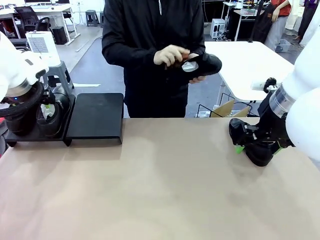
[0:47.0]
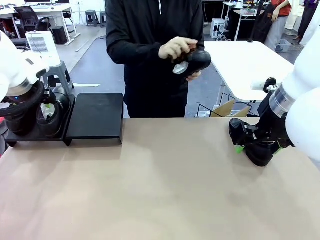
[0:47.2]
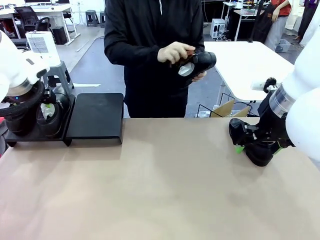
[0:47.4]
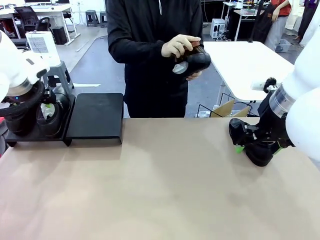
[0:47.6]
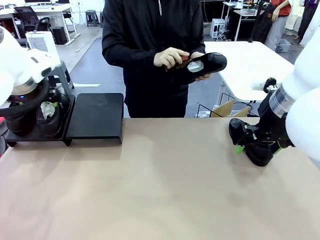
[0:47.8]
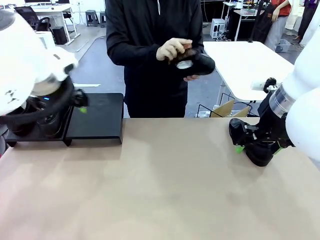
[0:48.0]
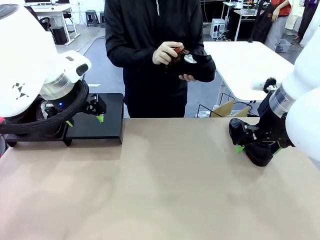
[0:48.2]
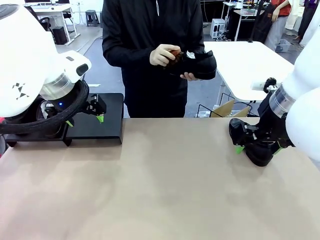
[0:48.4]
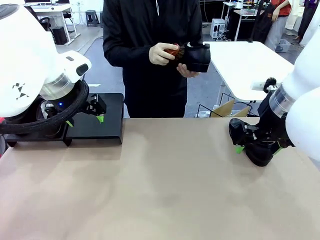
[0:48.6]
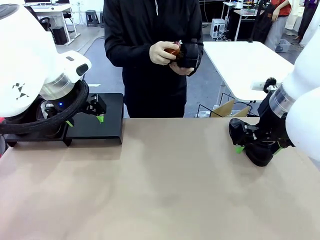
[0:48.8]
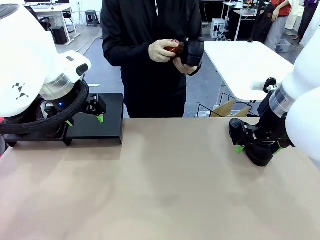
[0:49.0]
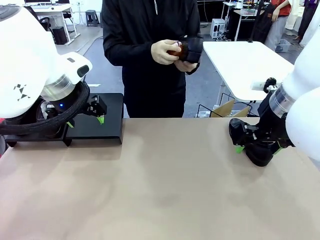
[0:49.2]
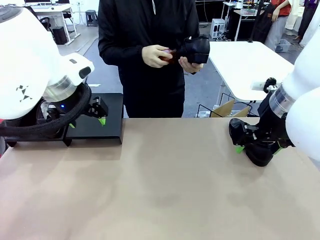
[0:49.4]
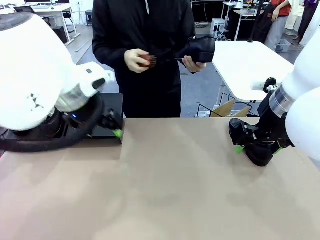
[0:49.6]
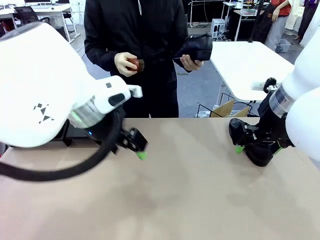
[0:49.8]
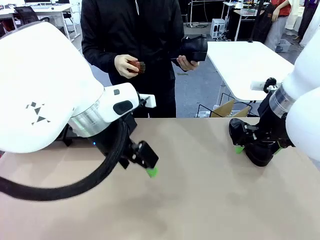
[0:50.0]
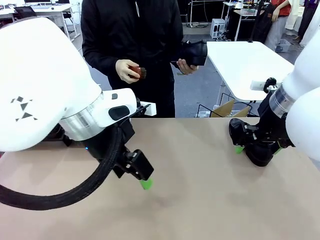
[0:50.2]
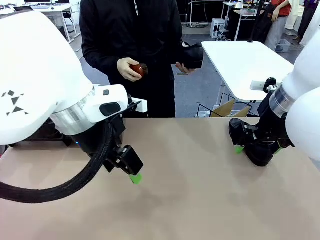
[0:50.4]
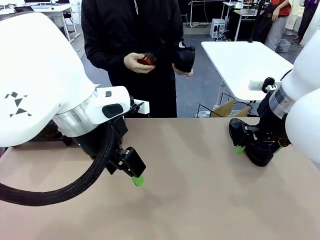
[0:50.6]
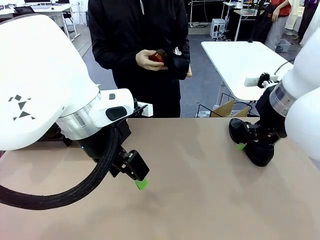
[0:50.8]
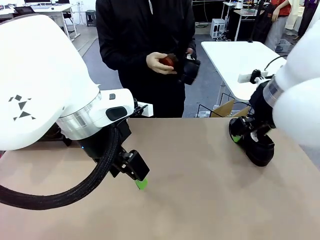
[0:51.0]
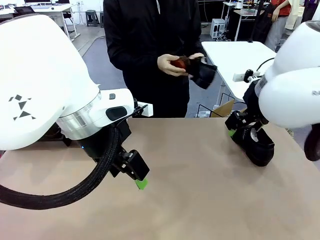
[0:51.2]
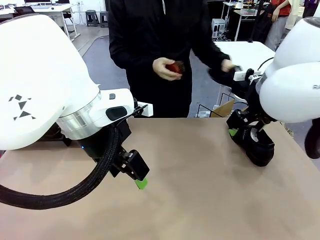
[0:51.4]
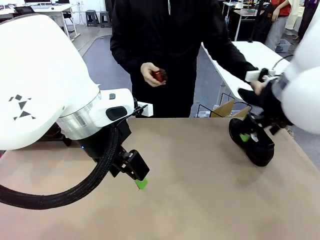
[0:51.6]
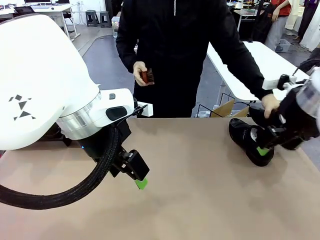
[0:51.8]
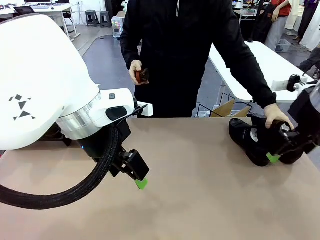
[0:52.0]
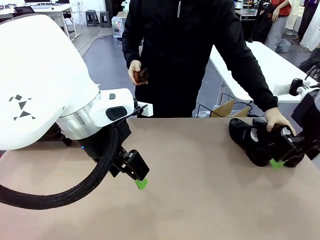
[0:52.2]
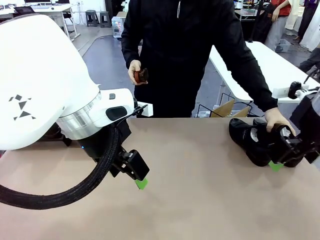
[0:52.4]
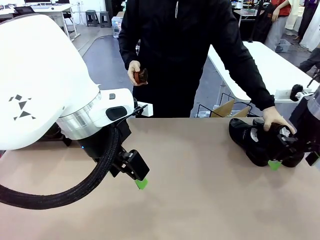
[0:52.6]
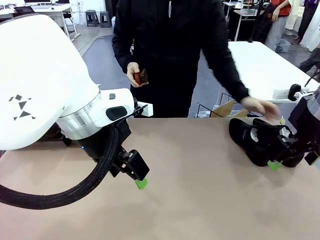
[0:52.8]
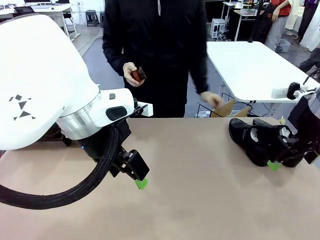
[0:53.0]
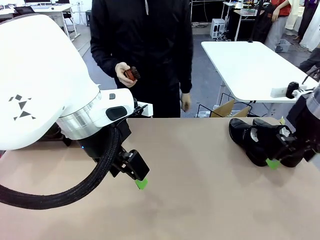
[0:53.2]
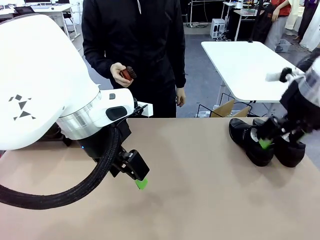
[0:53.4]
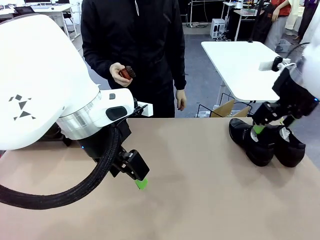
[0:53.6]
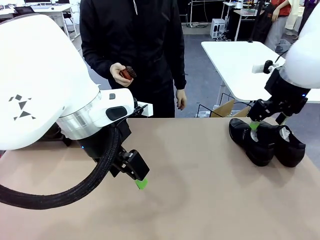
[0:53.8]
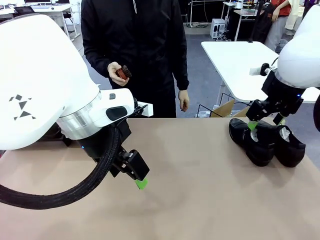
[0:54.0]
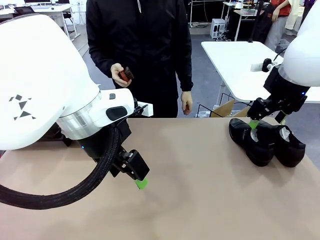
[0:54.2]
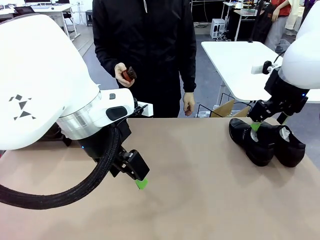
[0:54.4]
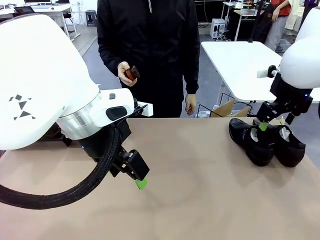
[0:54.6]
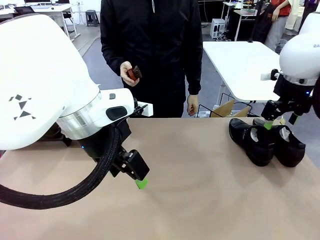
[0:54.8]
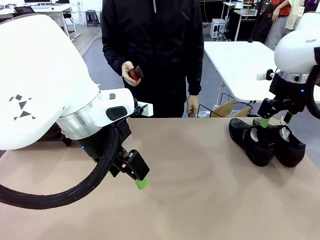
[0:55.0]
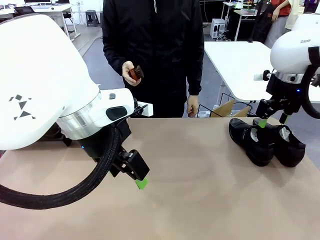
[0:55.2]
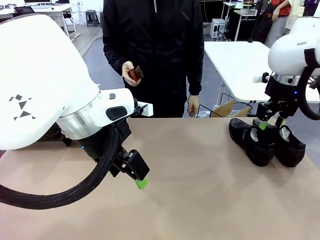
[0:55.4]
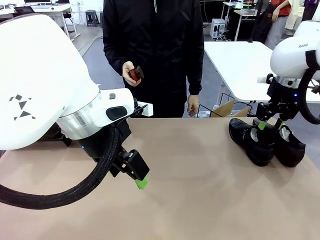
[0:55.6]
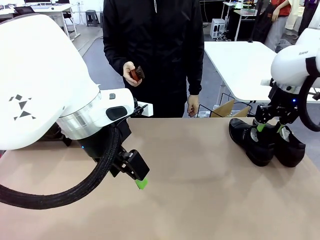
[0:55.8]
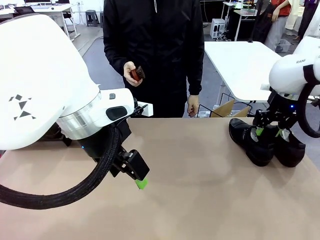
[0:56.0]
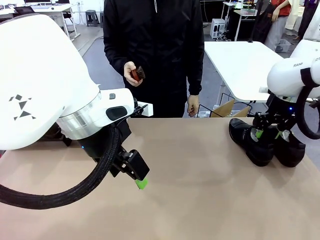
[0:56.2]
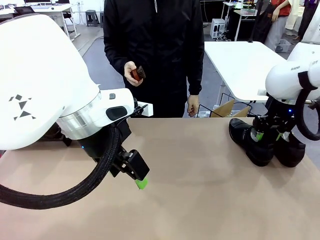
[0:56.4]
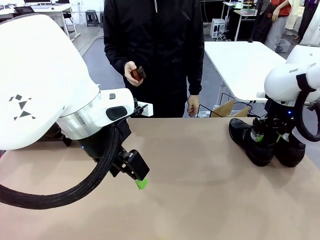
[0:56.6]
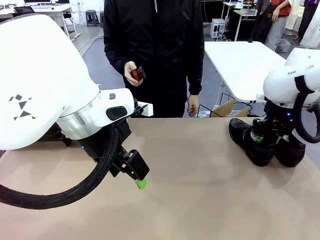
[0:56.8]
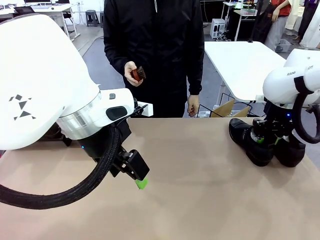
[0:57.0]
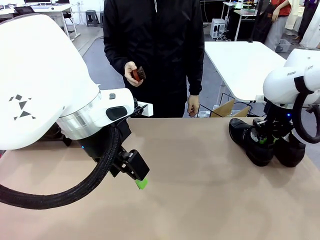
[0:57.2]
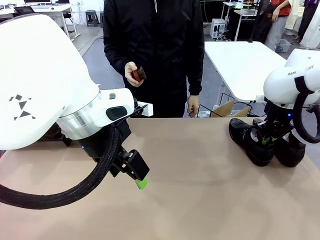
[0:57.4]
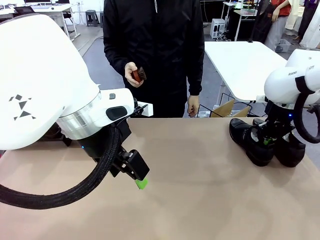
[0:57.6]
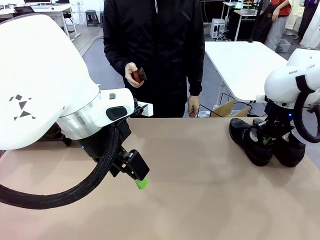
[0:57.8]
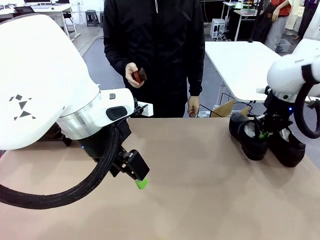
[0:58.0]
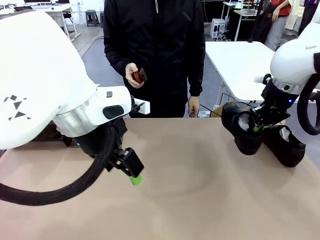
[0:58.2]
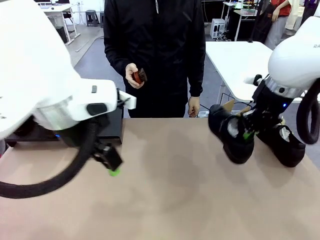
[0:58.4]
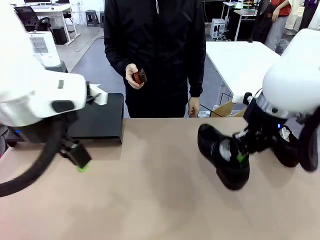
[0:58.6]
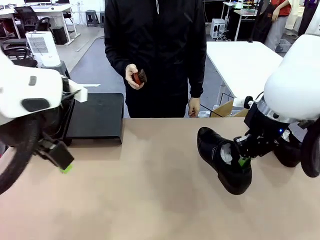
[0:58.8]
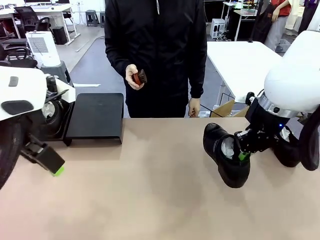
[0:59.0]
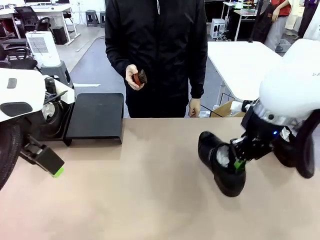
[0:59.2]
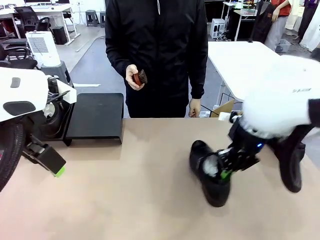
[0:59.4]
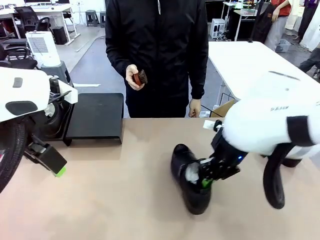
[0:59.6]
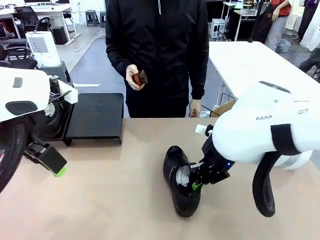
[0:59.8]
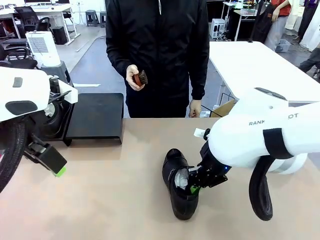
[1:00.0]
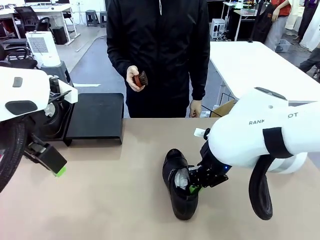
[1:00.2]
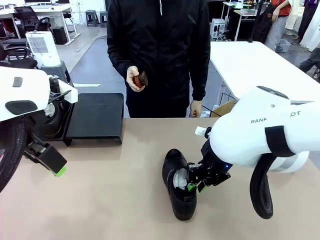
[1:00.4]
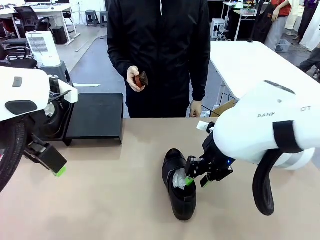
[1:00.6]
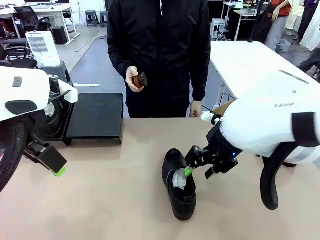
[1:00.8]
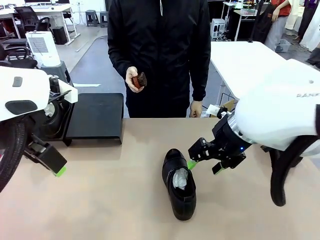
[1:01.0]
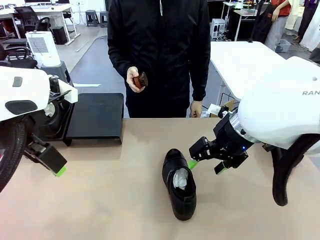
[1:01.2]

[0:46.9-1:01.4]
Task: Organize the shoes by placing them on the stand.
Robot: Pick up one Shoe and place it in the middle of the table.

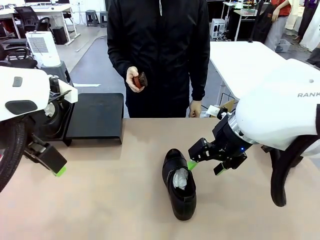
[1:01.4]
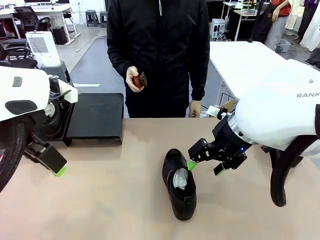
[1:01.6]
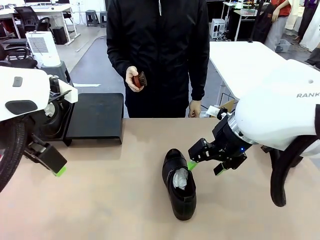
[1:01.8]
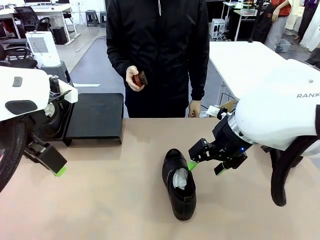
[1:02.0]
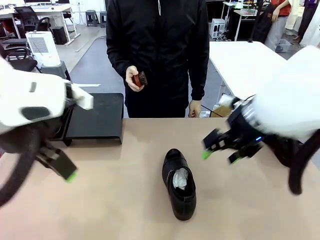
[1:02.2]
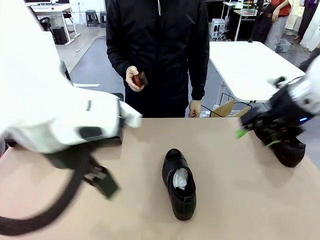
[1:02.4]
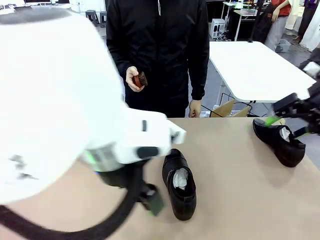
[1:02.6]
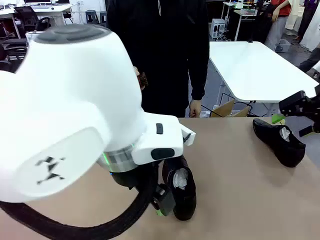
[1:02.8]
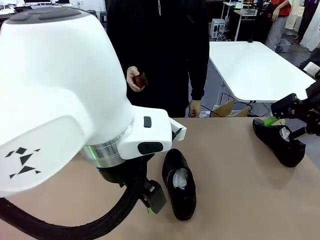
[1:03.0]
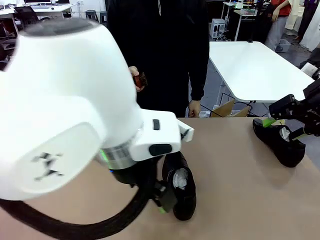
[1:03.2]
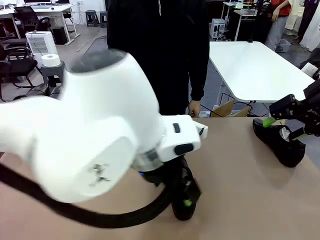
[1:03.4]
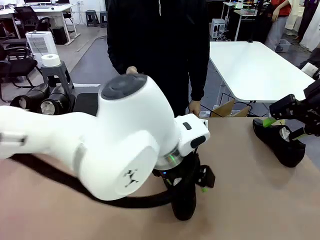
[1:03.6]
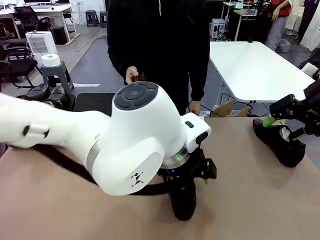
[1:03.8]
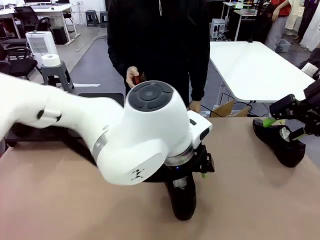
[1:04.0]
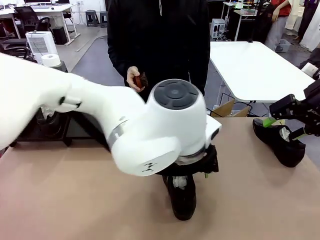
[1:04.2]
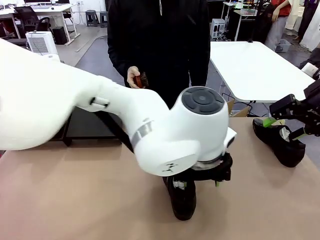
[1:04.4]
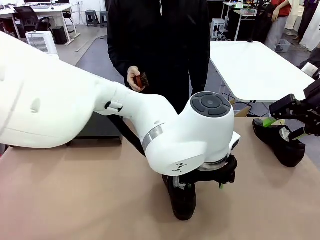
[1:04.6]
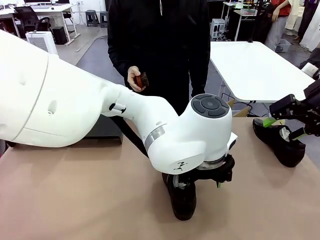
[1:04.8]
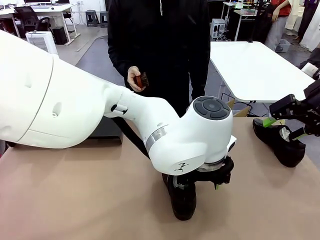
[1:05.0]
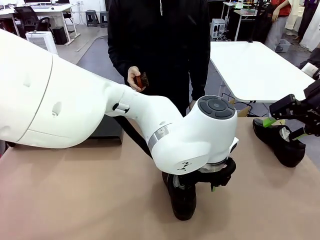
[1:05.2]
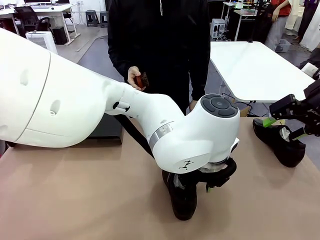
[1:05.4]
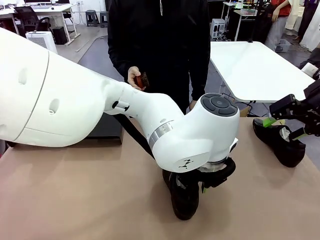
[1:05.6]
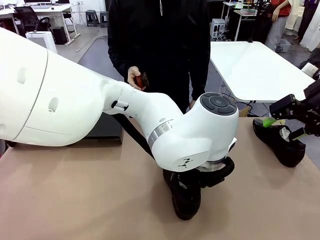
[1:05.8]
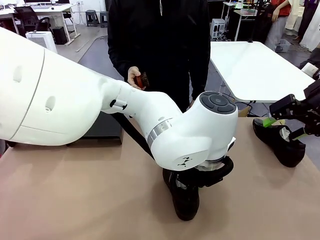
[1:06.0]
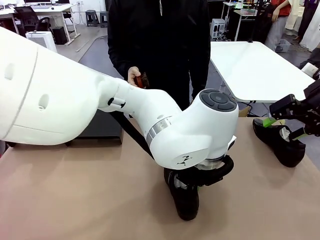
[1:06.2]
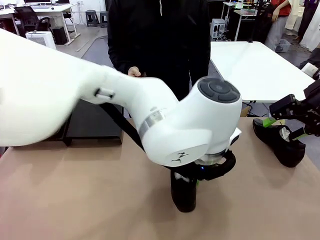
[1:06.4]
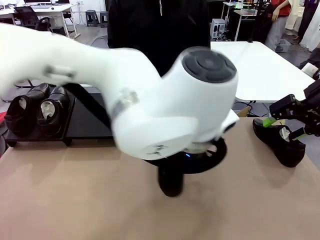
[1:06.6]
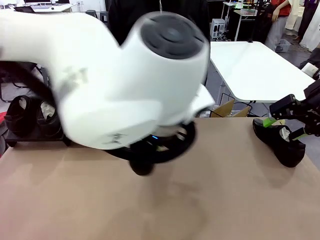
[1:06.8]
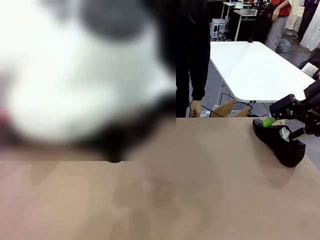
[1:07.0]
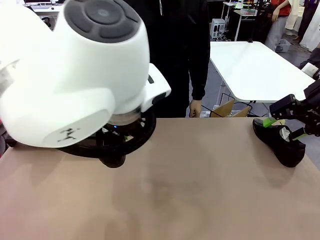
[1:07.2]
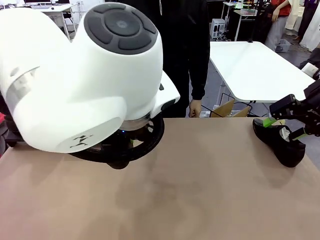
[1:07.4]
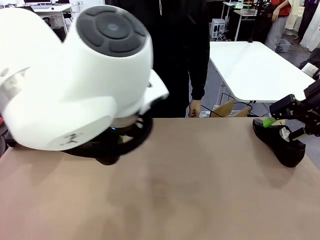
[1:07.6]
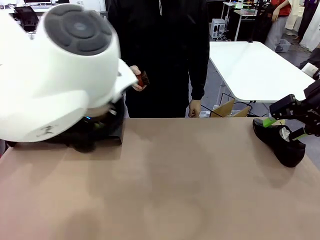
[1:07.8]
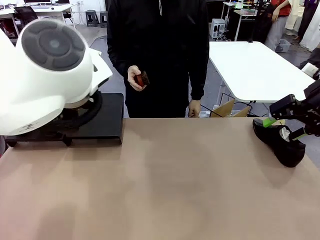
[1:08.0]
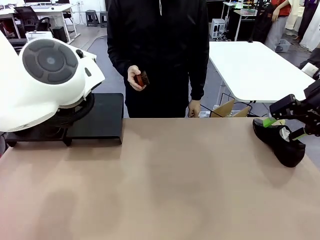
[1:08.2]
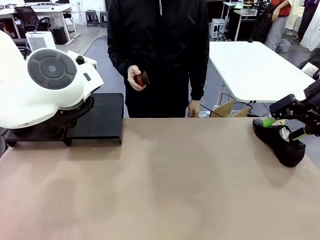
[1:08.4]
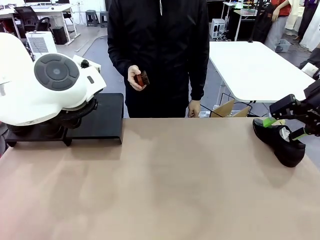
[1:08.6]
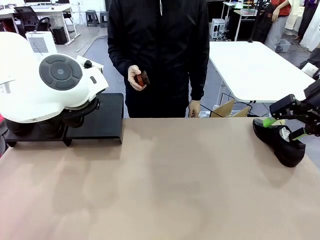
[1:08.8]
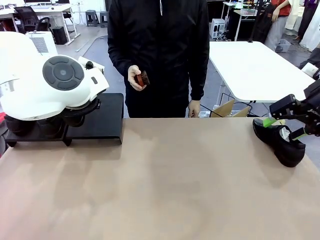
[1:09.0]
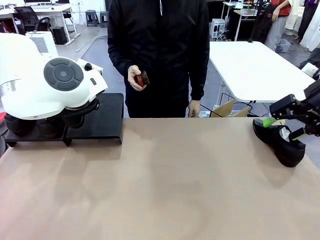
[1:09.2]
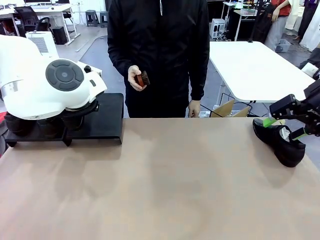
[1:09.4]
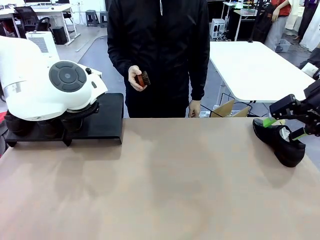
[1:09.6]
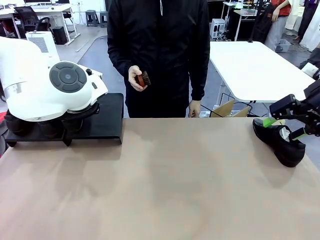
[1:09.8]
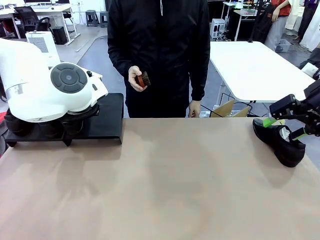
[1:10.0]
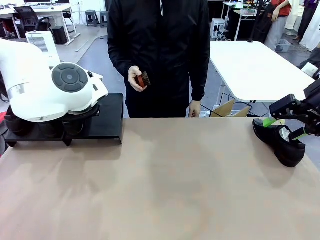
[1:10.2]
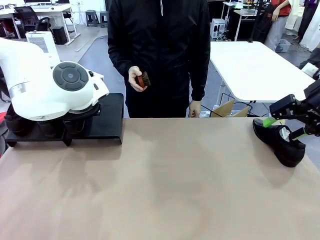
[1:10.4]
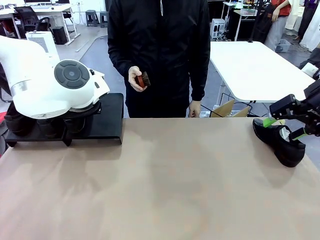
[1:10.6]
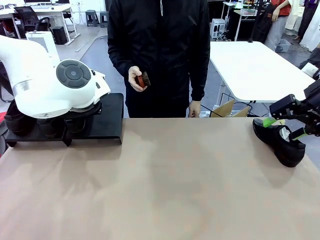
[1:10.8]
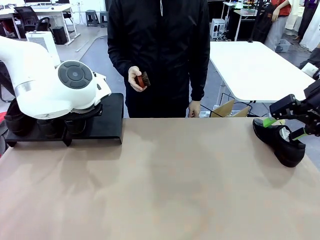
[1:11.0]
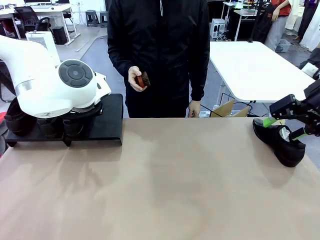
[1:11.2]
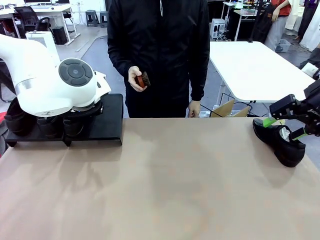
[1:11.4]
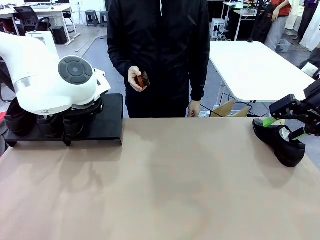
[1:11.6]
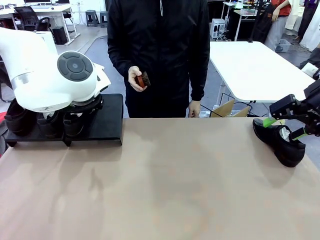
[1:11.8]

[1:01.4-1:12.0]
Robot: Place the Shoe from the middle of the table onto the Shoes Stand.
